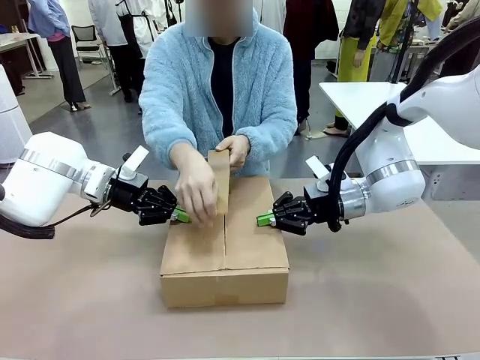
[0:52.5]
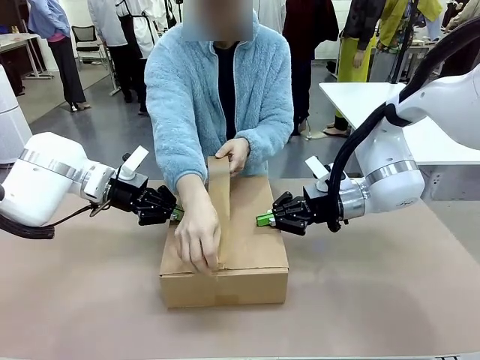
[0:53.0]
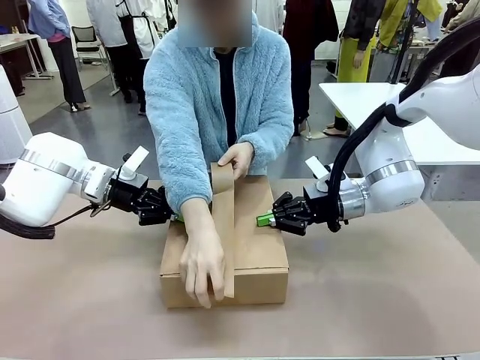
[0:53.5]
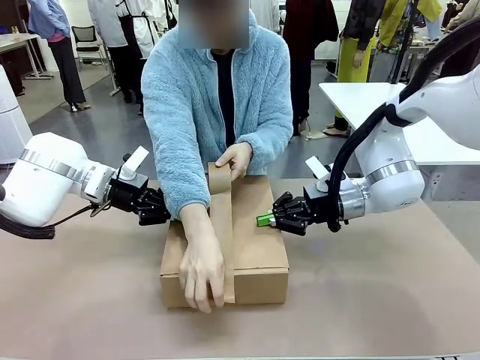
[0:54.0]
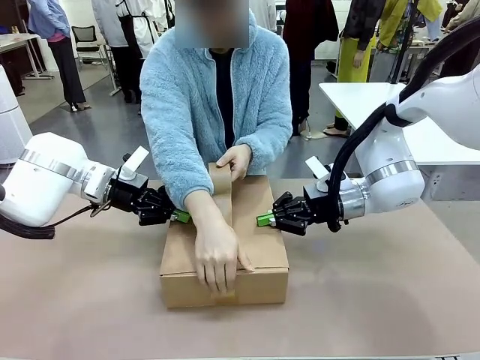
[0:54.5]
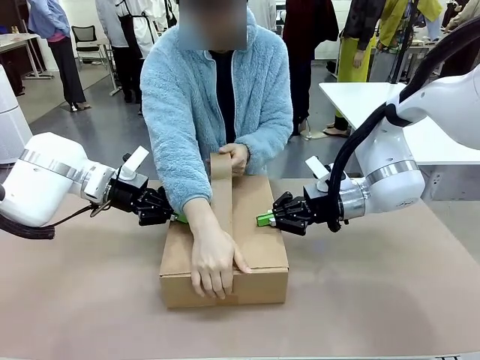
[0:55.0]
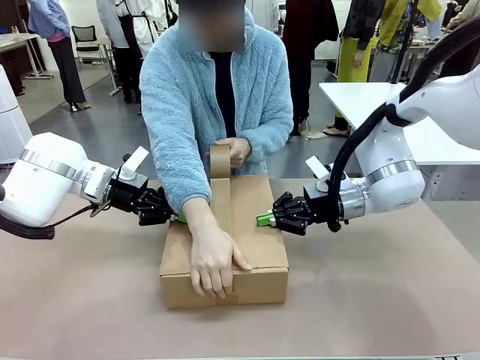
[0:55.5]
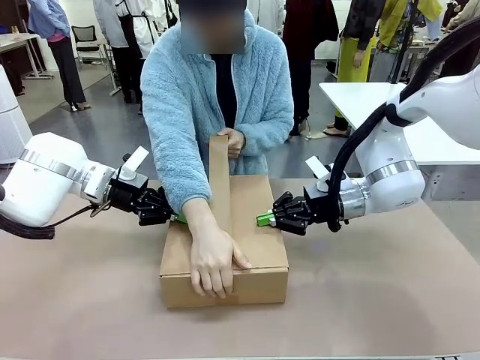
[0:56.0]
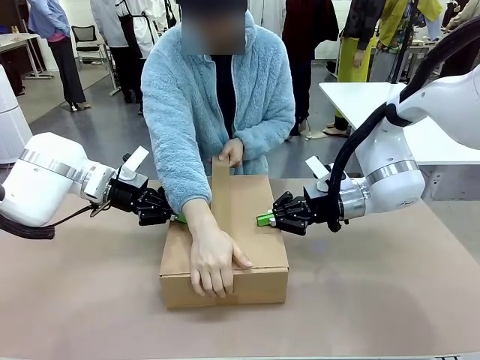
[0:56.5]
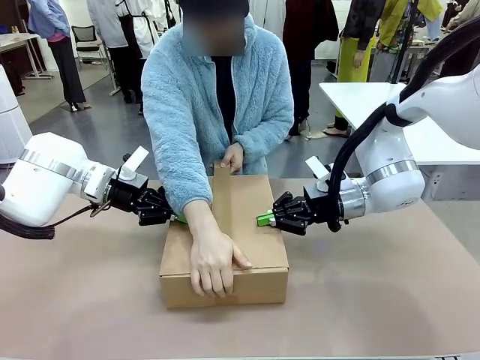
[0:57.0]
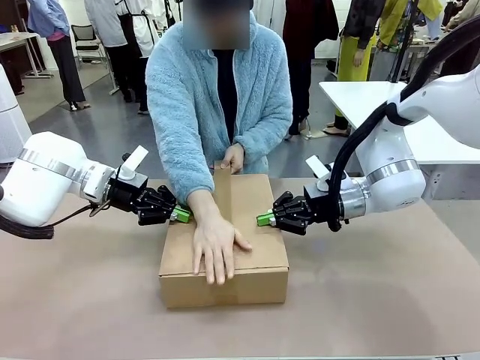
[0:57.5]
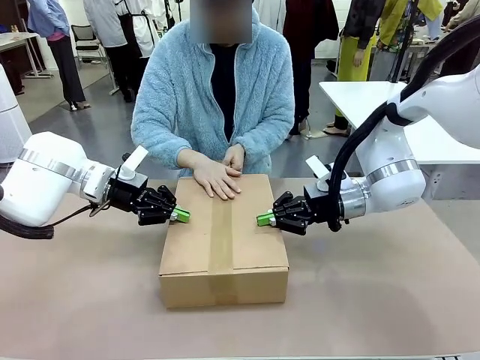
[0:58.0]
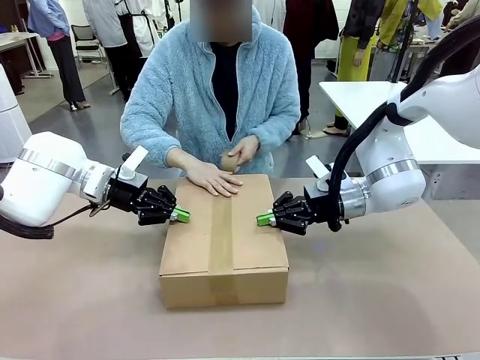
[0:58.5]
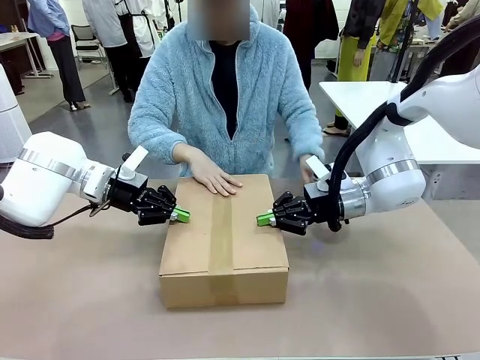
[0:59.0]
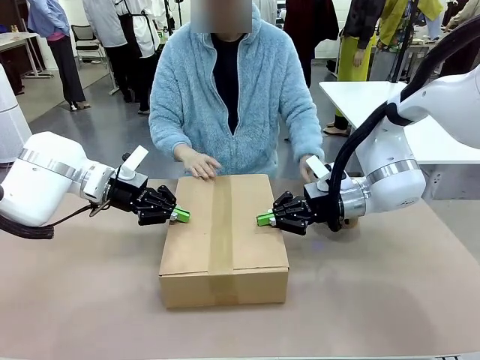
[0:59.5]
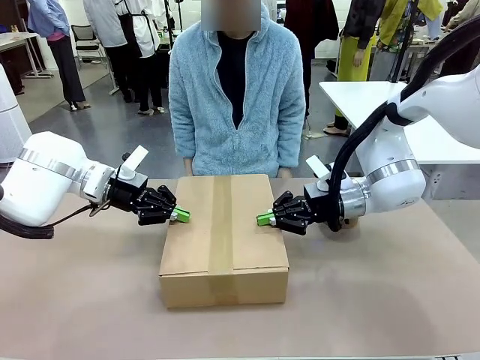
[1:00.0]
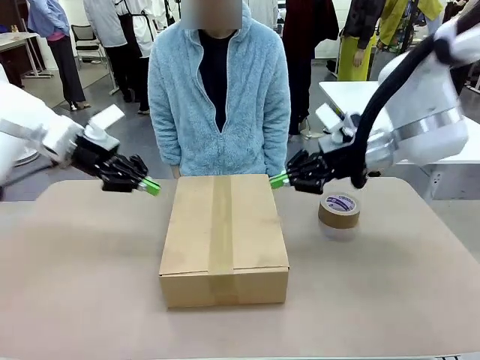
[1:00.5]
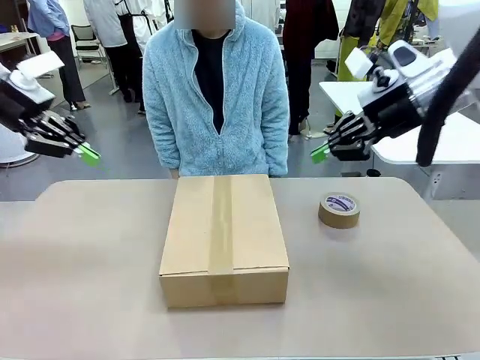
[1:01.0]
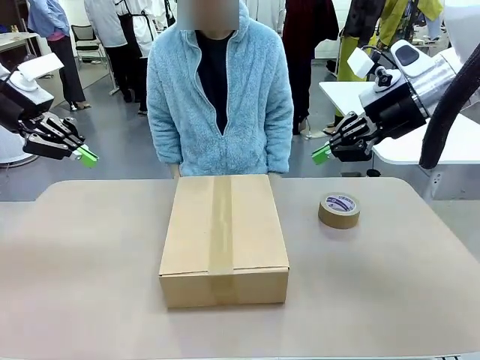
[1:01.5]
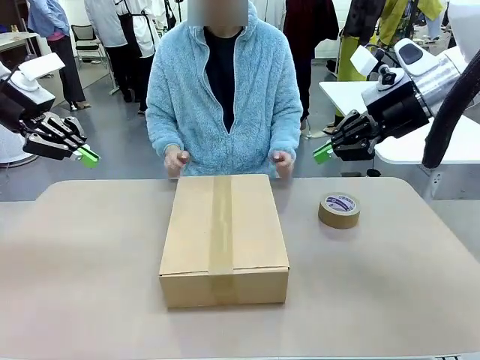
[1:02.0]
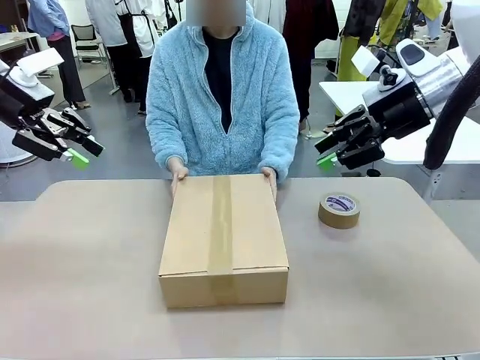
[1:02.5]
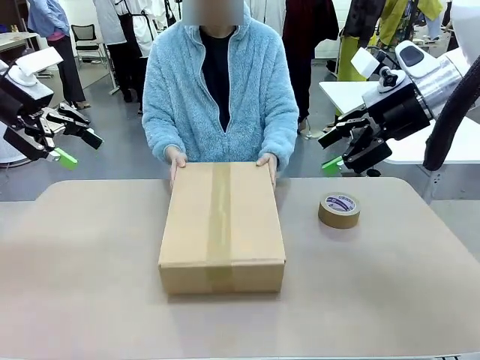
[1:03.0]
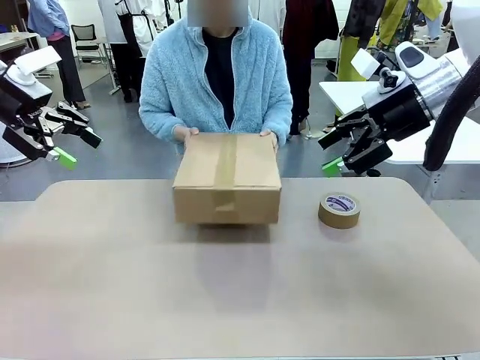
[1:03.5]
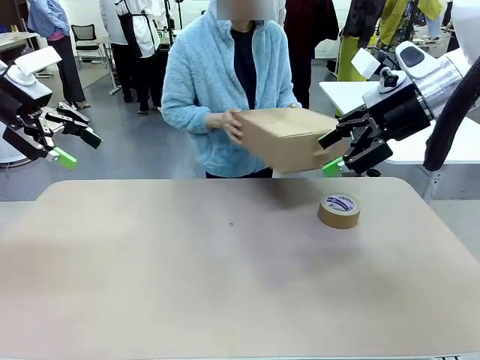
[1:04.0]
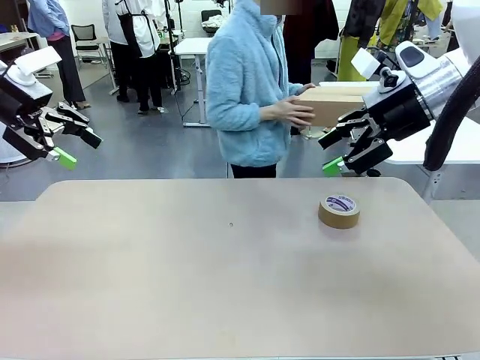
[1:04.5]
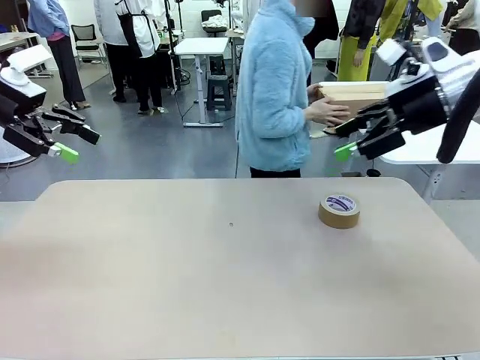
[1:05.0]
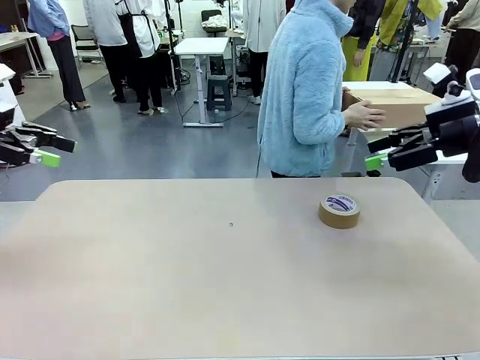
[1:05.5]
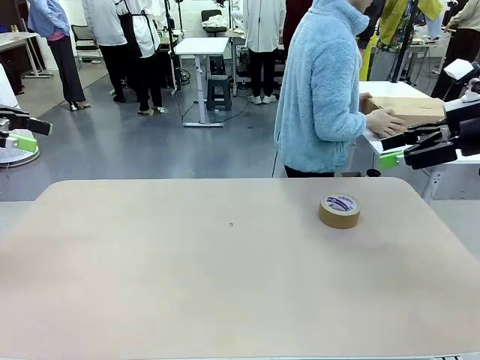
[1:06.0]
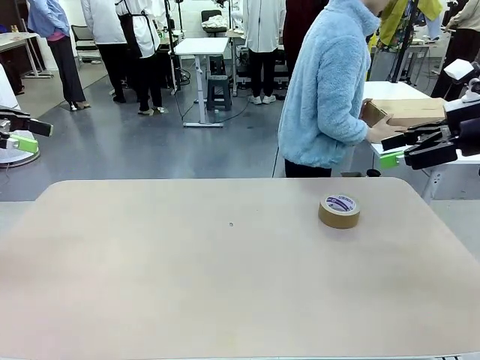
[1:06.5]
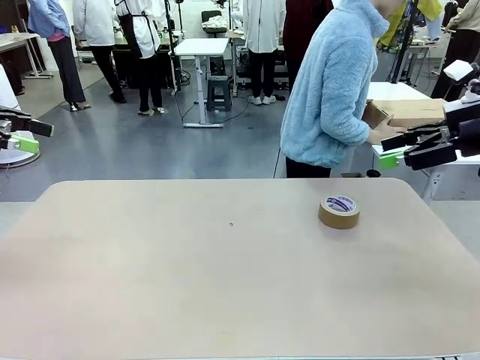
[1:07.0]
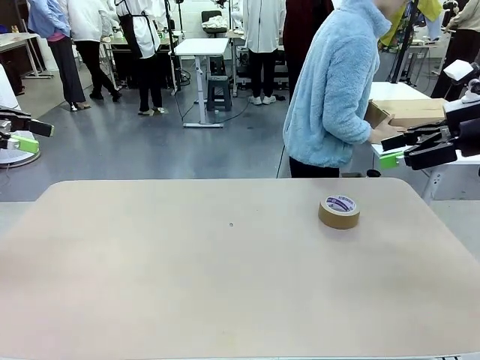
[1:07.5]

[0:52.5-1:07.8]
Task: Wrap the clocks to prevent damage.
Robot: After the human seals the box with tape, release both hands from the side flaps of the Package Box.
Person: Once the robot closes the left flap of the Package Box , seal the box with Paper Tape. Place sealed Package Box in the middle of the human's table.

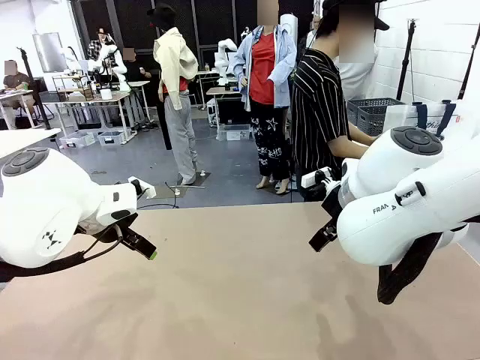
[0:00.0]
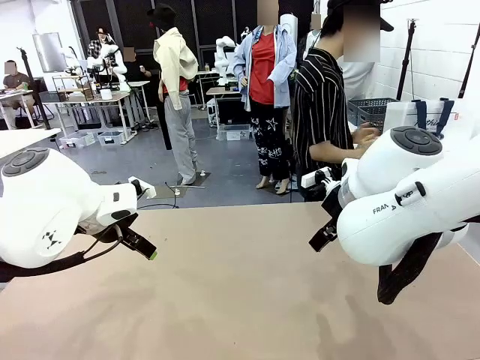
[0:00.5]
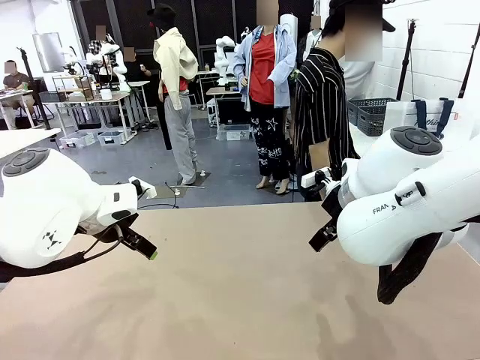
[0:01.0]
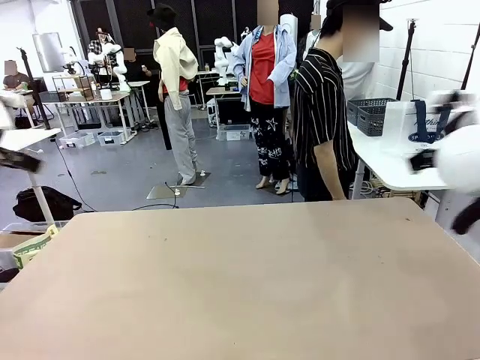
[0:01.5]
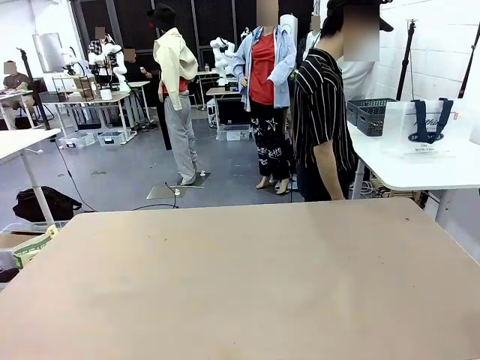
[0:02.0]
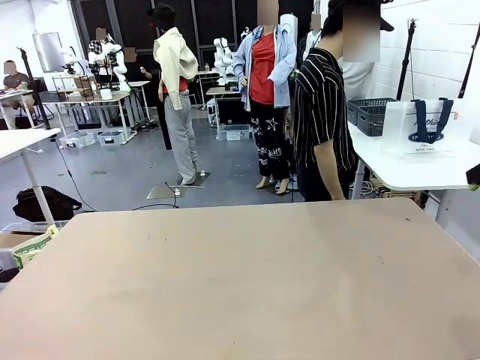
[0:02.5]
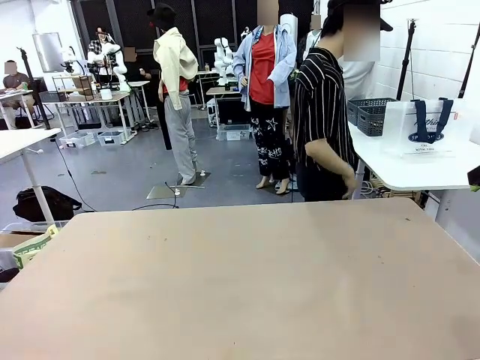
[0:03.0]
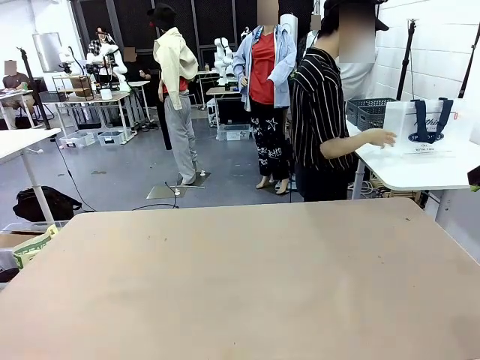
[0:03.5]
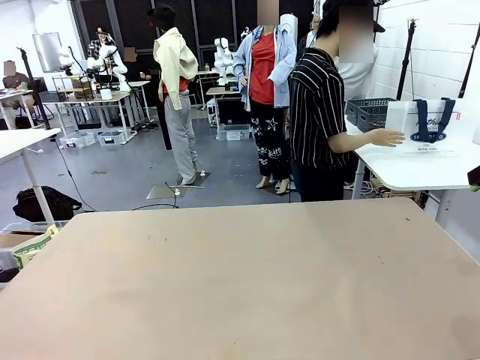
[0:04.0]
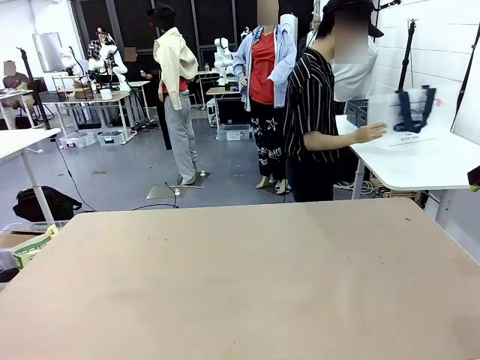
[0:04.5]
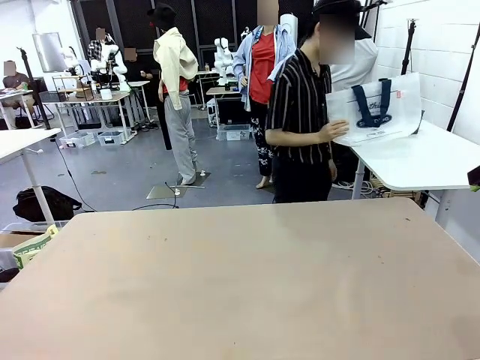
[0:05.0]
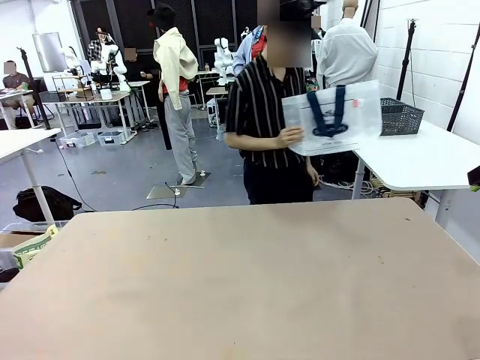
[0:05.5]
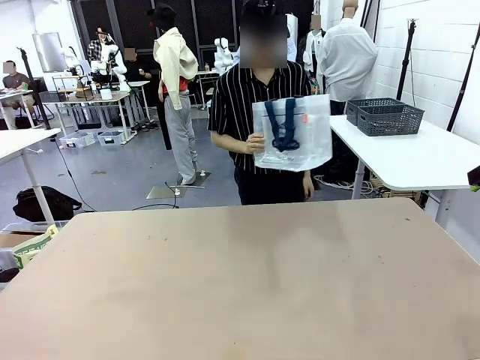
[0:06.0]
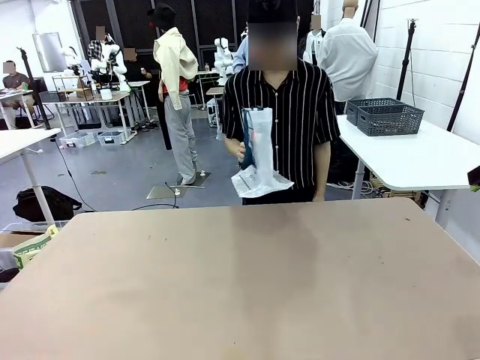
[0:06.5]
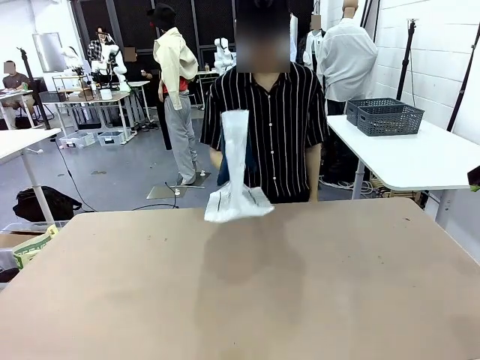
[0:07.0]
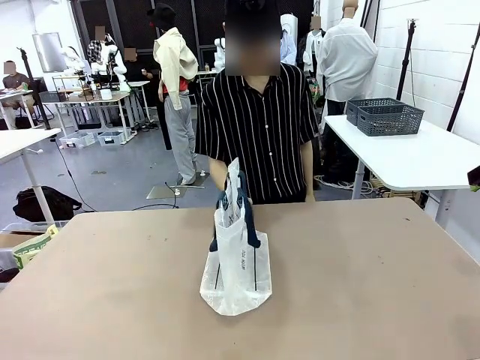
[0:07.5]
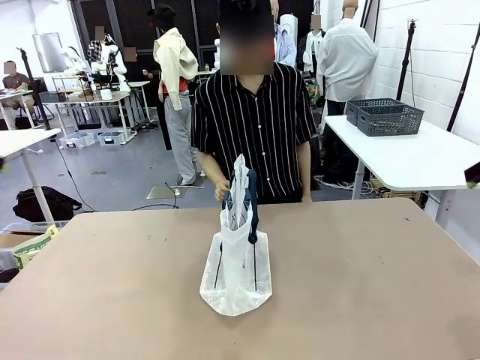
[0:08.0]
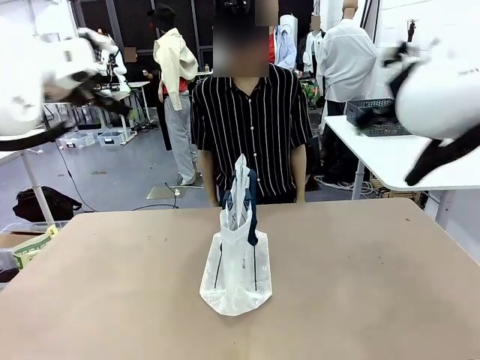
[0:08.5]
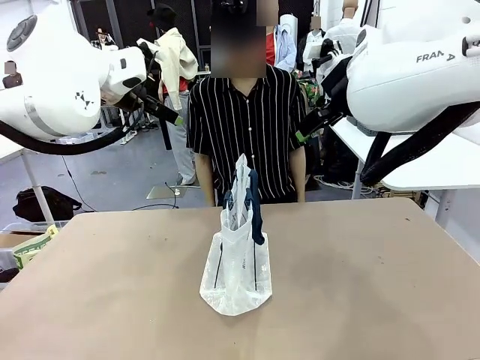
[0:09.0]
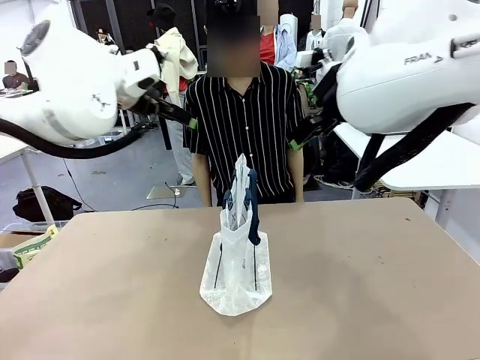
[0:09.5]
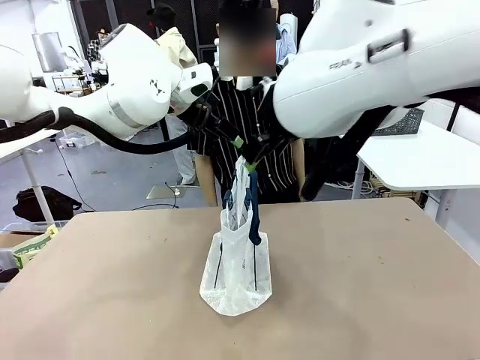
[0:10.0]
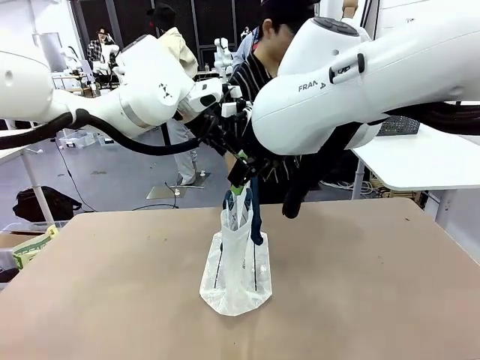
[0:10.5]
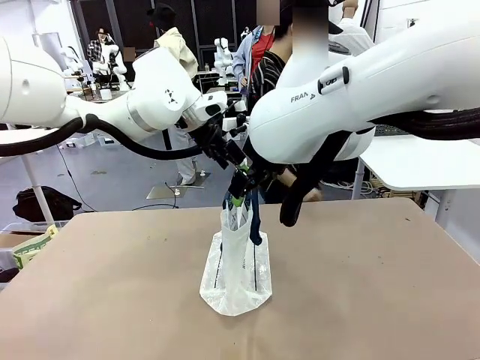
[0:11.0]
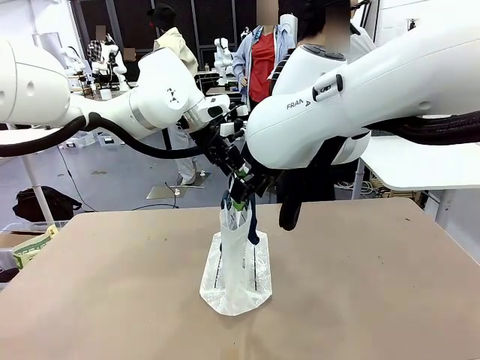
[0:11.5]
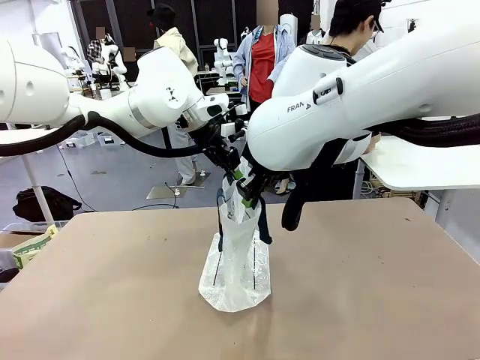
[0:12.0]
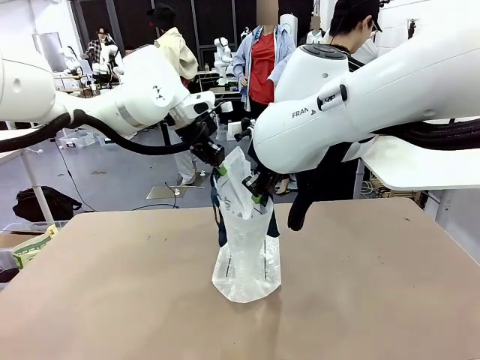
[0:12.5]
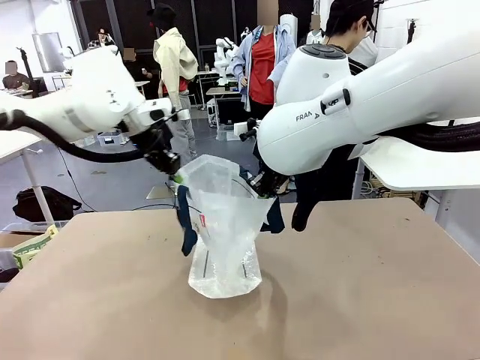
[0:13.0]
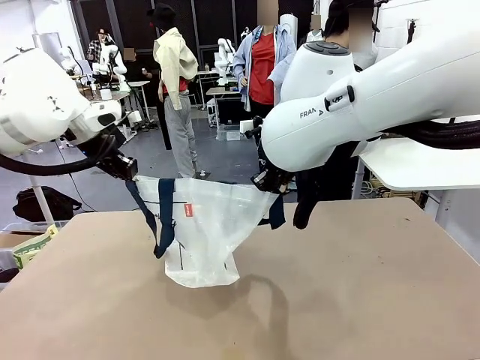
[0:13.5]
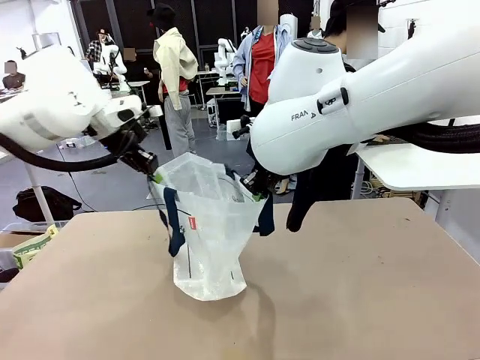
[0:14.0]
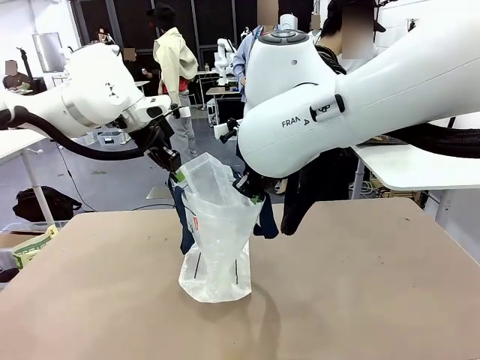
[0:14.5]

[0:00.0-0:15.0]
Task: Transfer purchased items from the store into the shopping bag.
Robot: Open the Reusable shopping bag in the center of the table.
Person: Pick up the shopping bag and place it in the middle of the robot table. Pick up the basket on the right, place it on the left side of the robot table, and move the items in the basket to the shopping bag.
